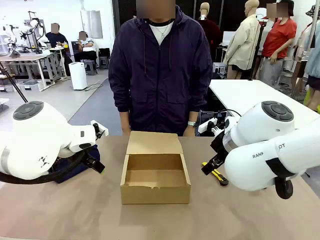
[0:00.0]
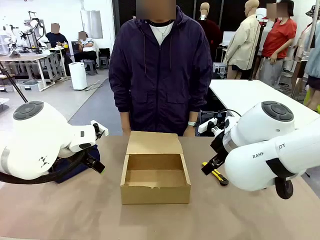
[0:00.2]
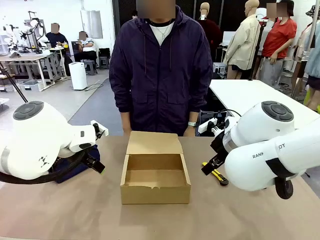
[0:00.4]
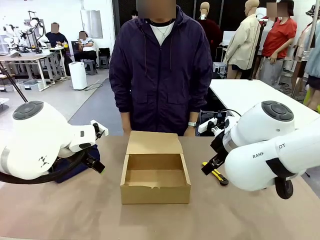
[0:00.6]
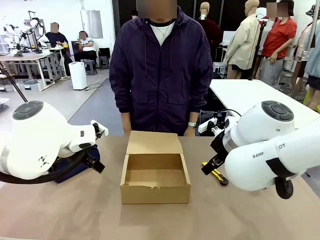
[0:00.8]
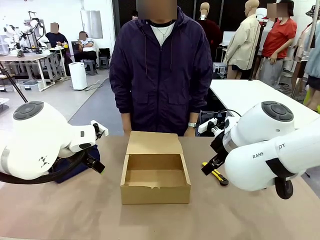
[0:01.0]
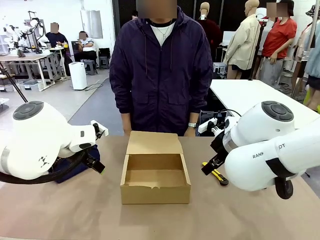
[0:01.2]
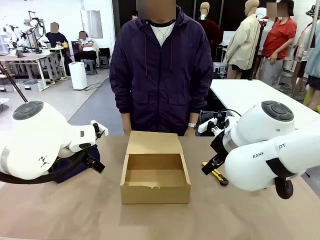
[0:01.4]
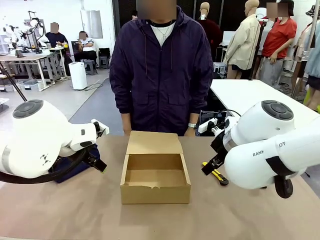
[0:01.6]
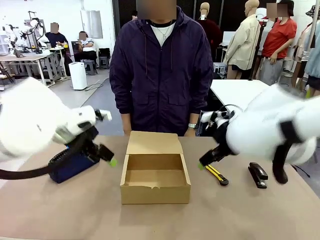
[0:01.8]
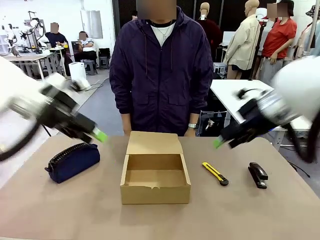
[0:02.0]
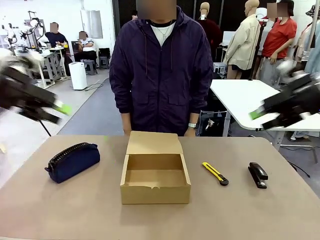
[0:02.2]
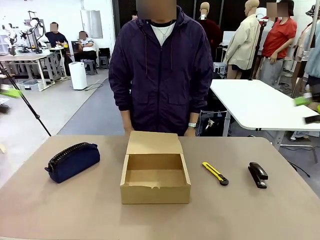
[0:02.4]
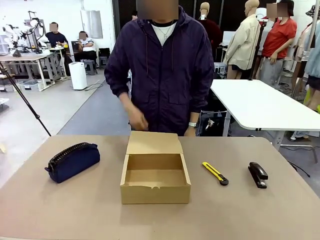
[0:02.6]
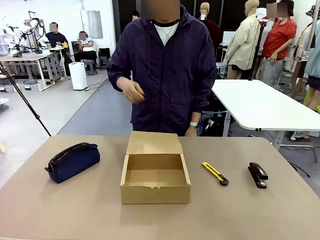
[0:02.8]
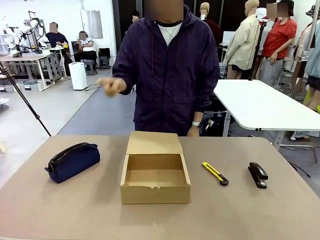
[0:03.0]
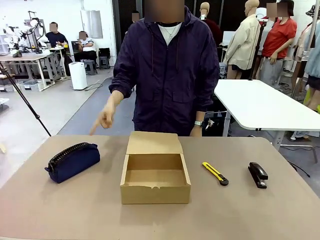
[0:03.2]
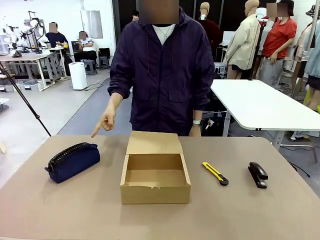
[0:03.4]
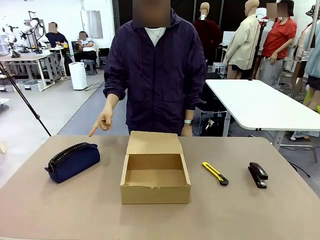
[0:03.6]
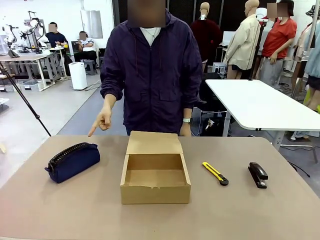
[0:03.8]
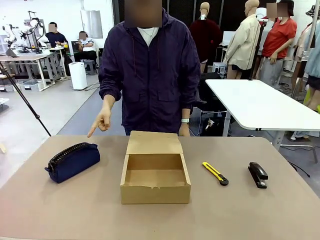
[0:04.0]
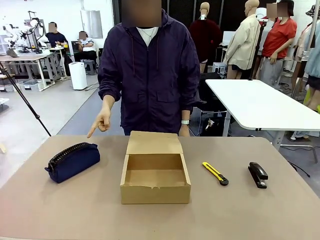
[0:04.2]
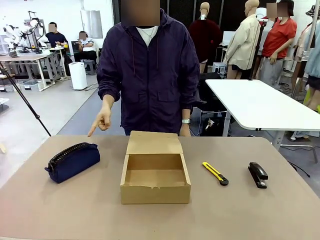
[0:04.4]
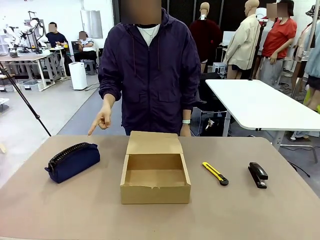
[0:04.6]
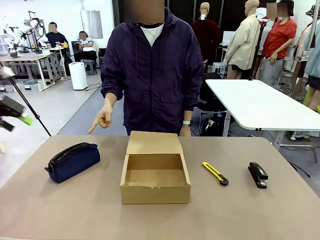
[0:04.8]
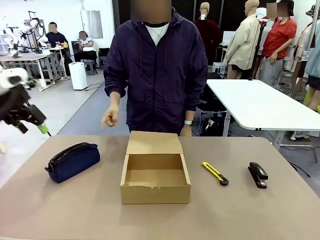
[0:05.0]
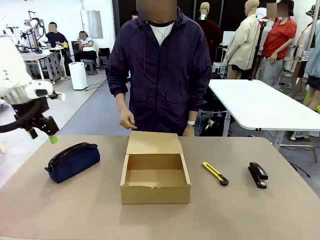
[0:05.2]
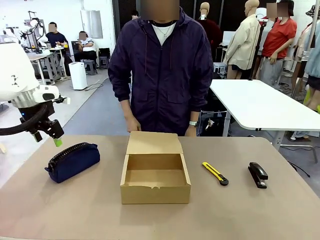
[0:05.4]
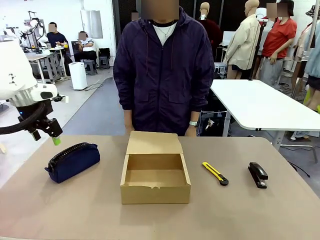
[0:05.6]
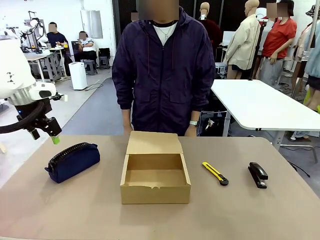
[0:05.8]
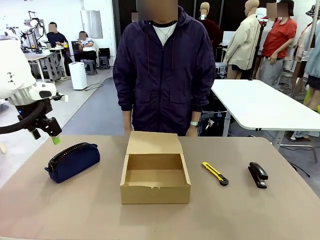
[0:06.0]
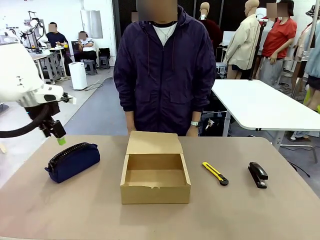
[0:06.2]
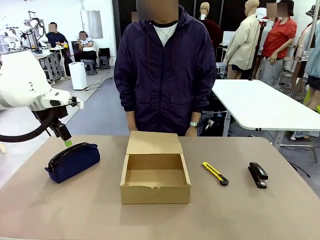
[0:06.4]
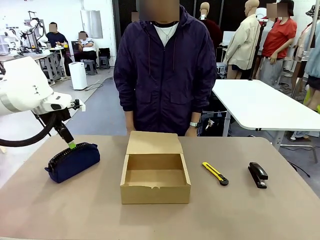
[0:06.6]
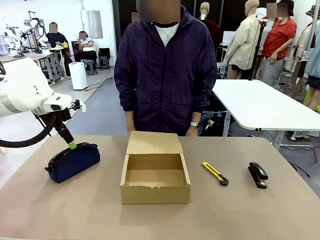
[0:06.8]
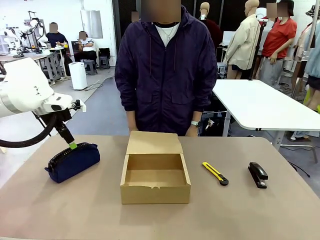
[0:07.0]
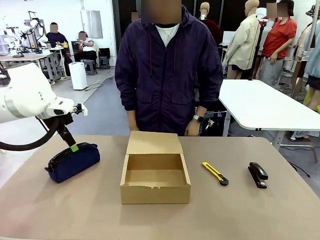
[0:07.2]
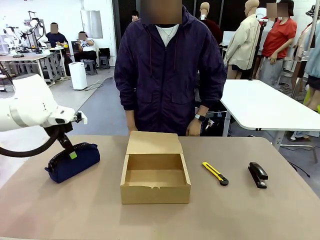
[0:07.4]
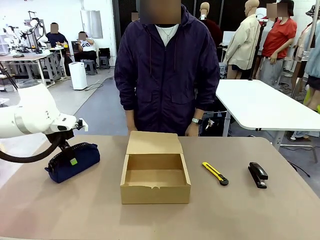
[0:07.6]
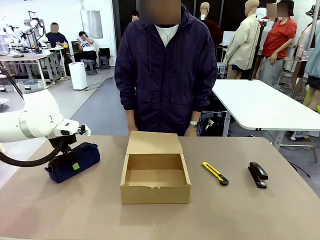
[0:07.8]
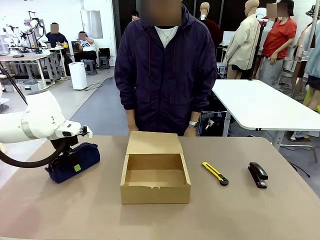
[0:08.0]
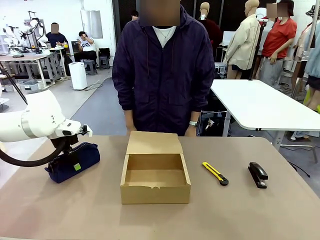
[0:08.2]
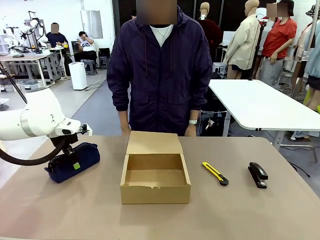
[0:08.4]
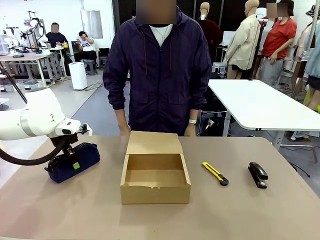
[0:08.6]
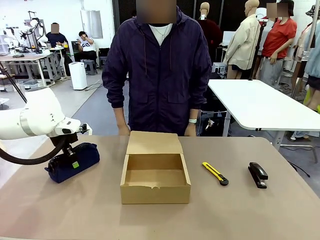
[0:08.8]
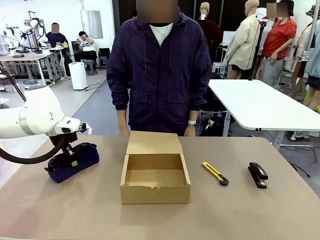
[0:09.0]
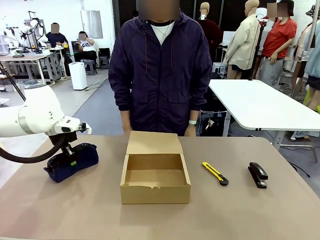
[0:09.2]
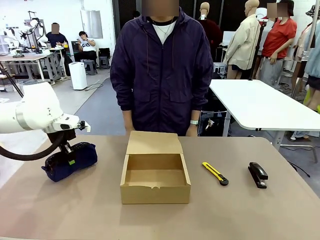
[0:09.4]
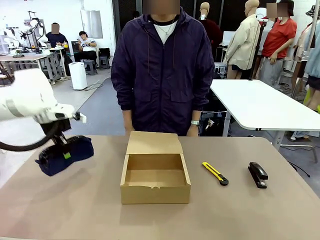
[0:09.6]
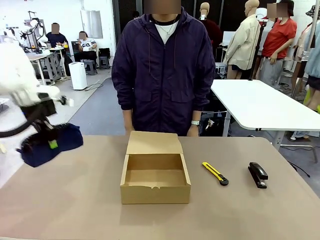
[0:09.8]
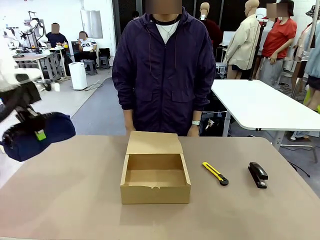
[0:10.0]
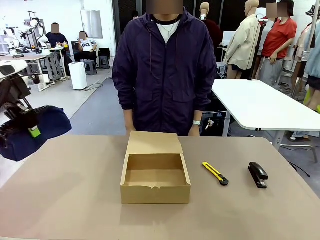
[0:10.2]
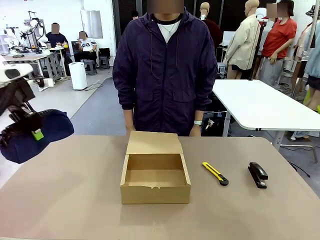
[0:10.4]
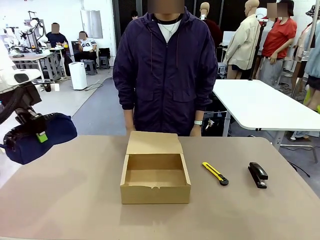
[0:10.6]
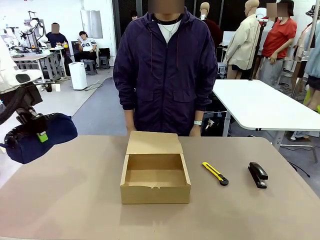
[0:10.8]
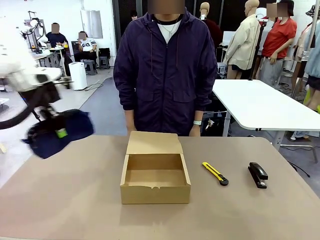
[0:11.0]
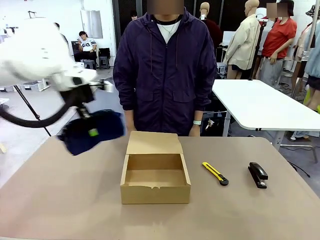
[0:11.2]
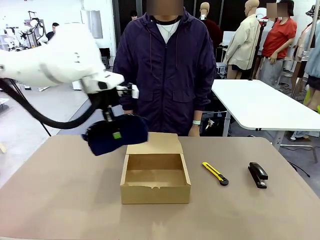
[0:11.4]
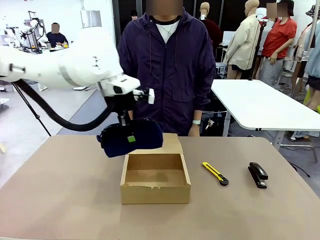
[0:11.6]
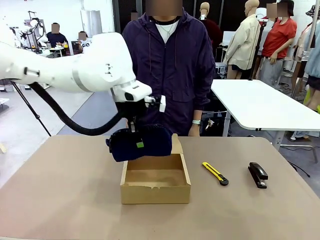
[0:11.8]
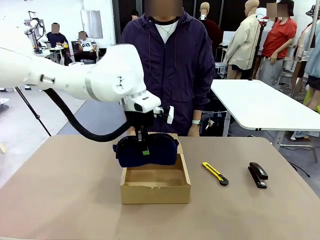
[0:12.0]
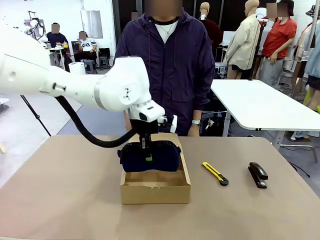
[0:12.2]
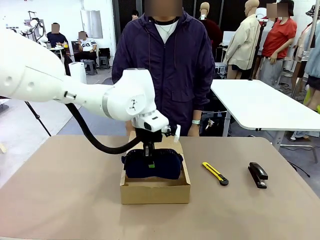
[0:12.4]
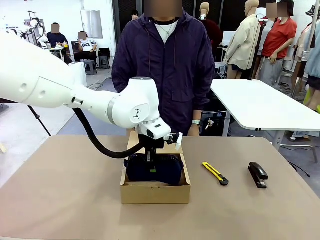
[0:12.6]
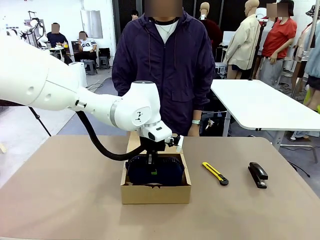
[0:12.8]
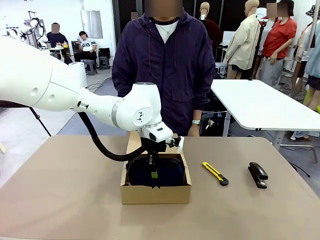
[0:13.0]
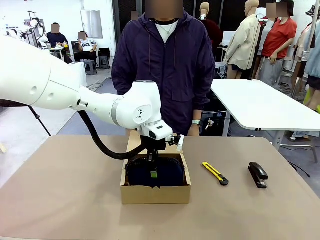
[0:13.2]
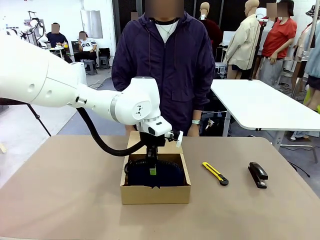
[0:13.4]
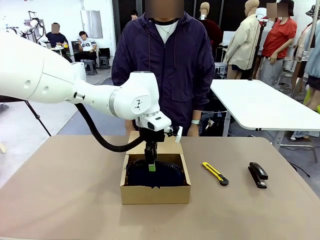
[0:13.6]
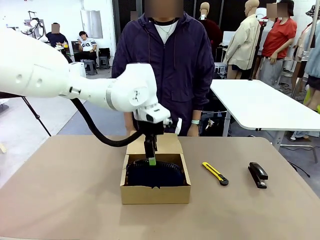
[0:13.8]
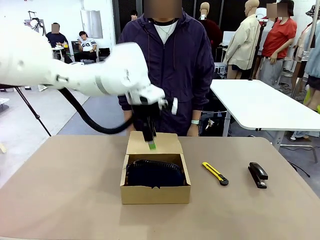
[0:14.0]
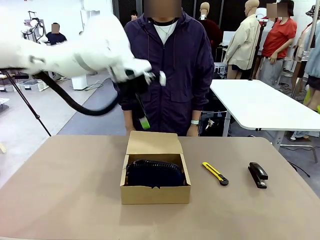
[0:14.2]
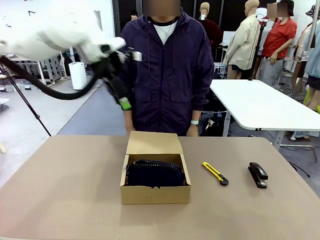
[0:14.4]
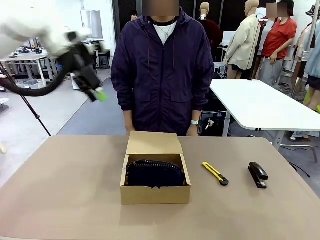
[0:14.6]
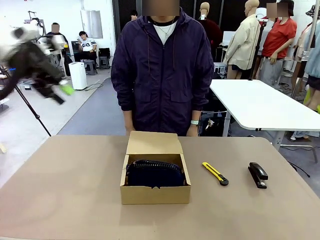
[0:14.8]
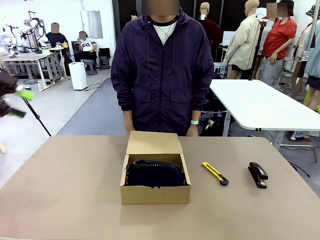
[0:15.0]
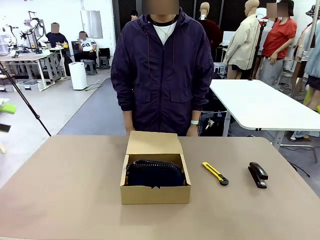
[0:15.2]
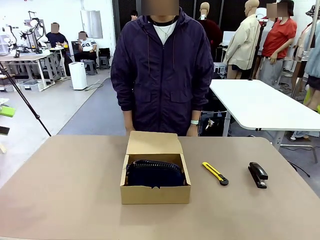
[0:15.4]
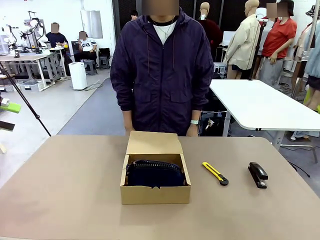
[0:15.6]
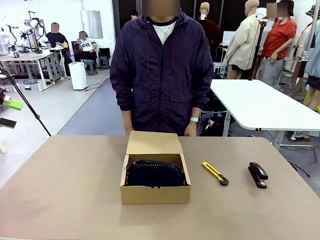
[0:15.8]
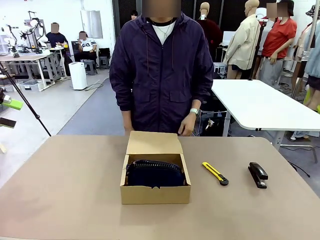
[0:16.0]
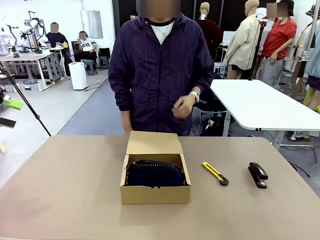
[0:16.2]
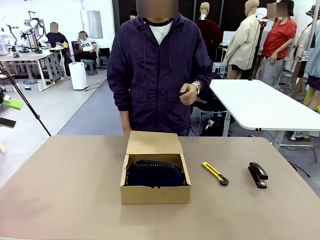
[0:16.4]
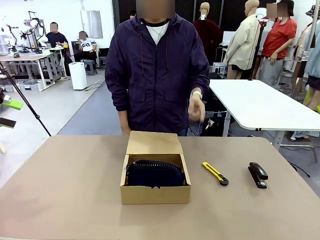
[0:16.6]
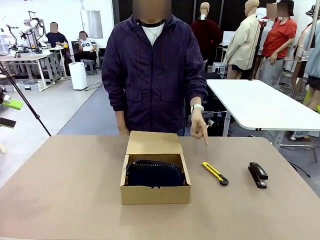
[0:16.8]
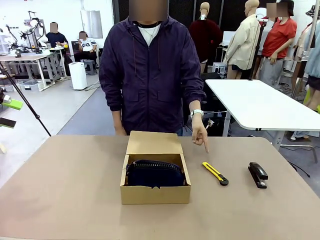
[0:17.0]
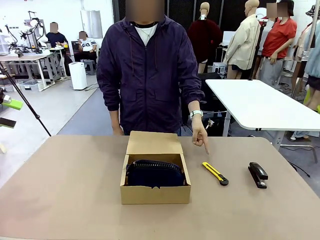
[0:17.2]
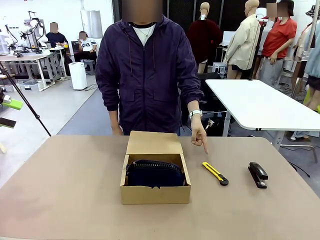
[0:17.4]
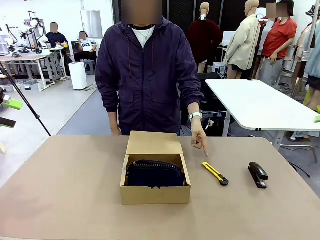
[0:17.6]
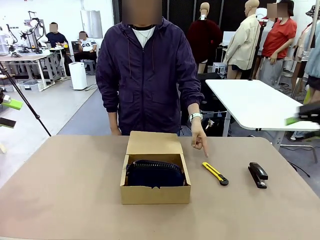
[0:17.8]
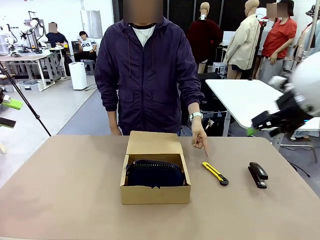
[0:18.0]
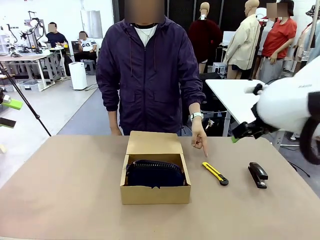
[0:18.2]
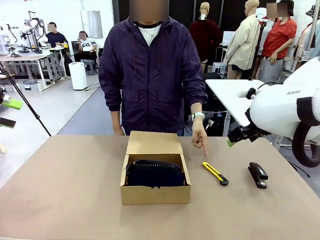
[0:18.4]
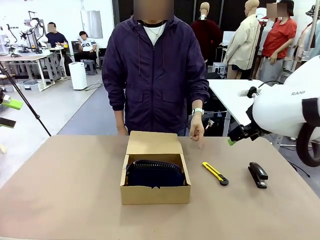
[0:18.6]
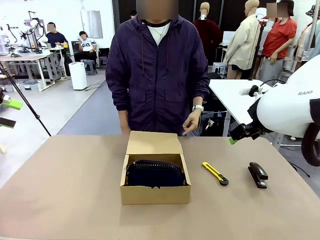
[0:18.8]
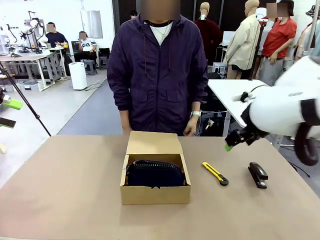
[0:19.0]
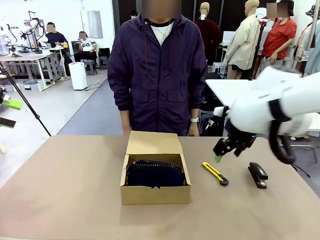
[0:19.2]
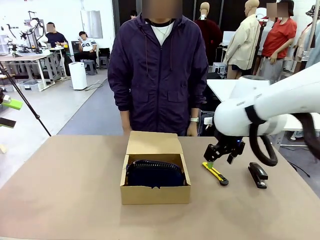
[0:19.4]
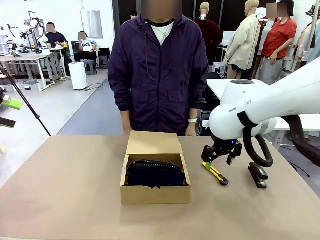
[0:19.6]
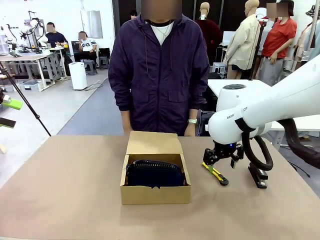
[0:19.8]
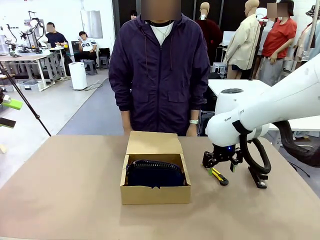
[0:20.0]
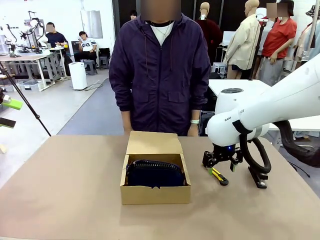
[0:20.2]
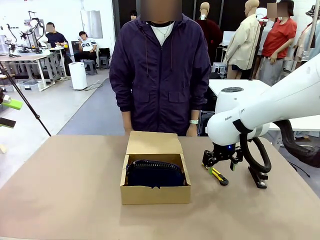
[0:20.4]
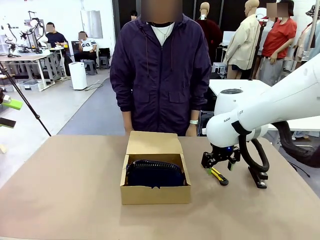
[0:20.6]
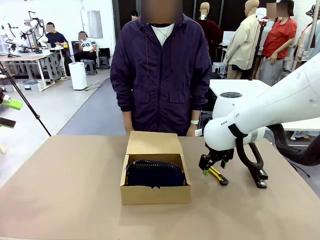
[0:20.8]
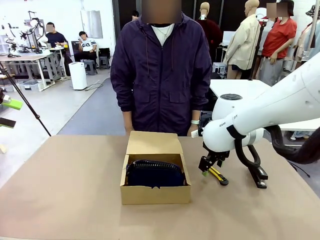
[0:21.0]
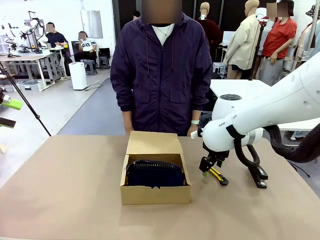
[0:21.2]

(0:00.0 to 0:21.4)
Task: Pack the items into the box.
Robot: Pick up the item indicated by the person and place it inside the Mailer Box.
Person: Point at one item on the table (excluding the box).
